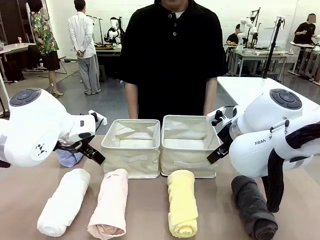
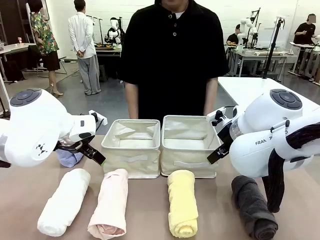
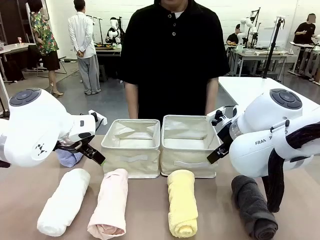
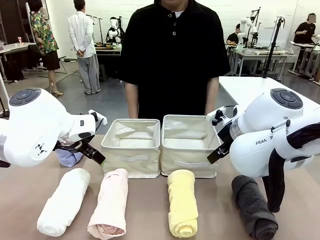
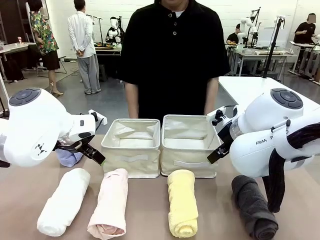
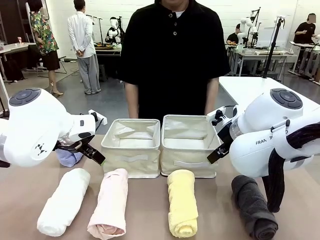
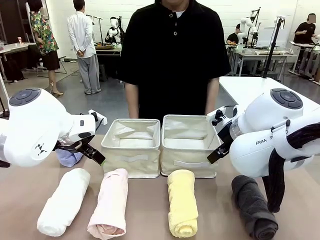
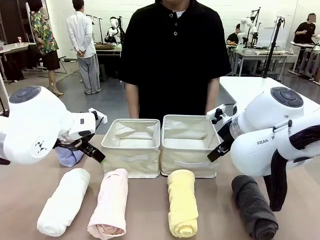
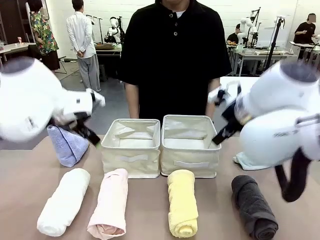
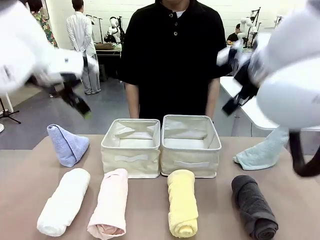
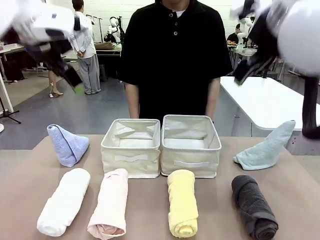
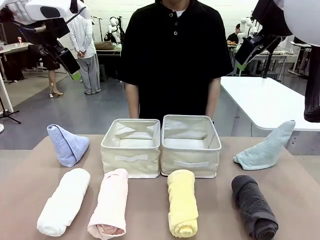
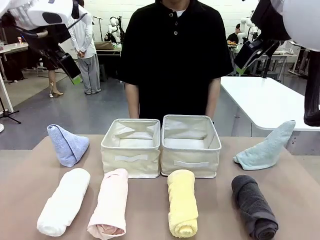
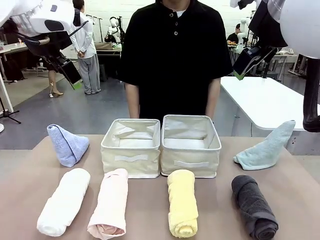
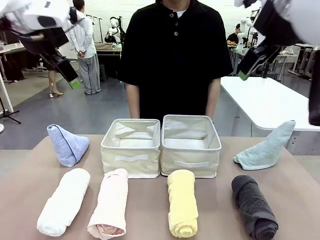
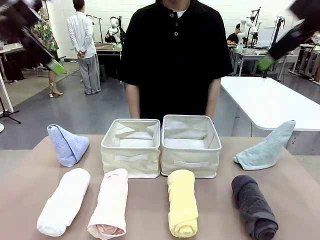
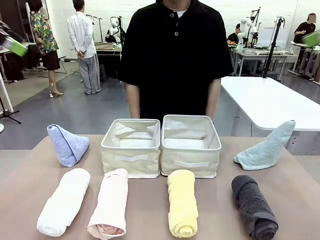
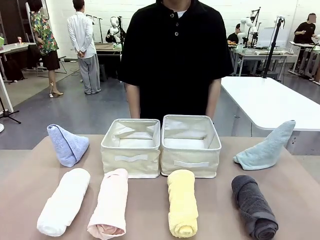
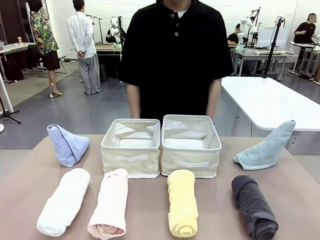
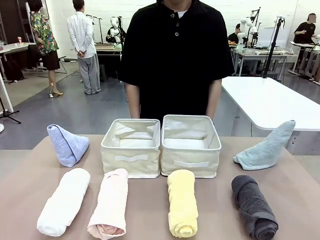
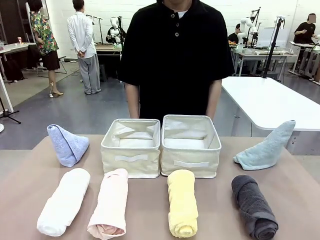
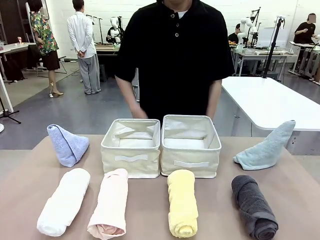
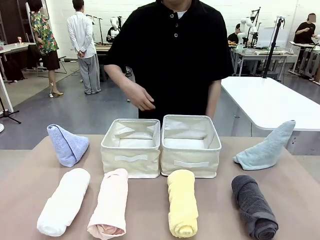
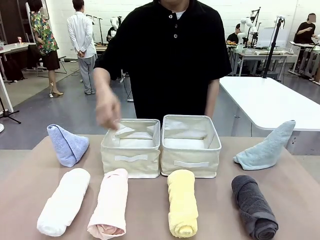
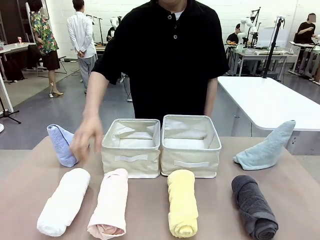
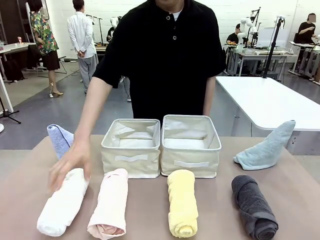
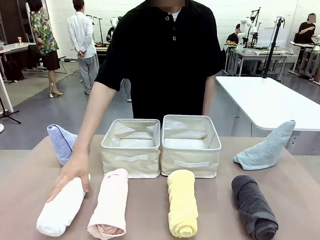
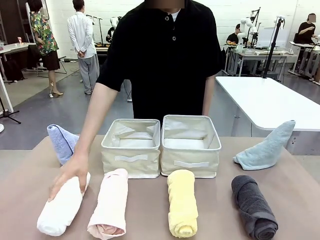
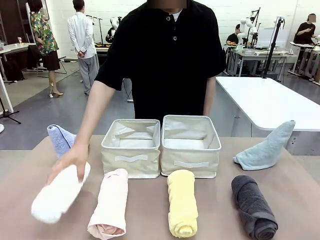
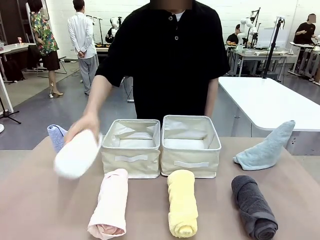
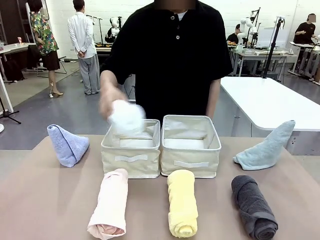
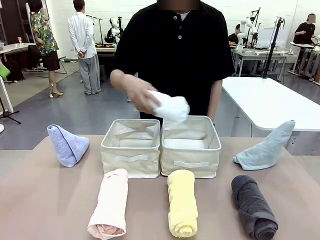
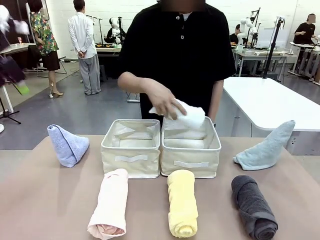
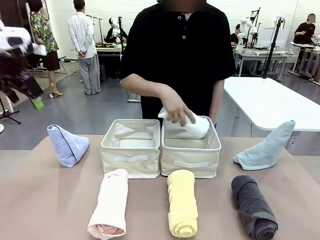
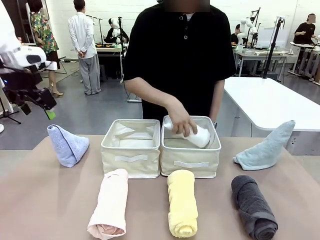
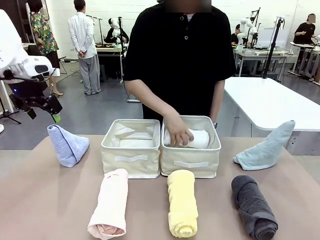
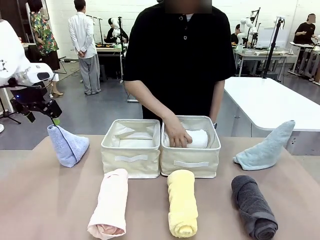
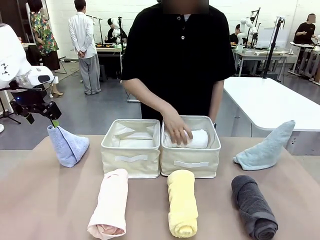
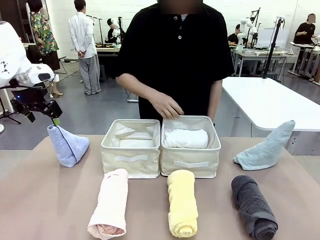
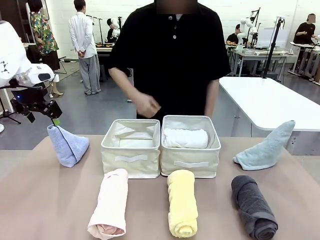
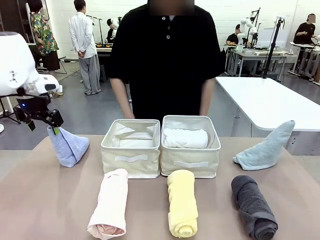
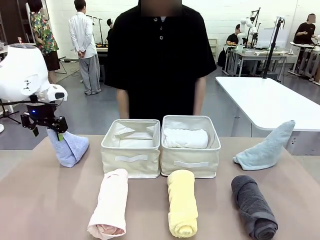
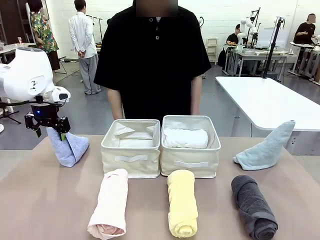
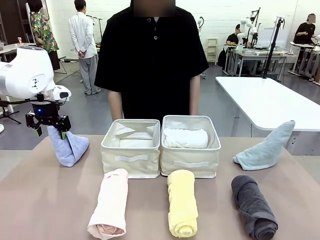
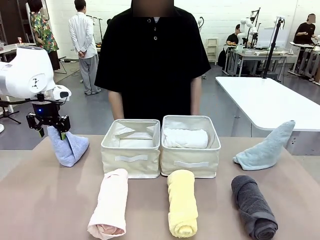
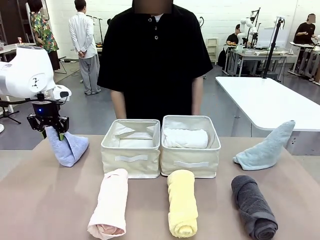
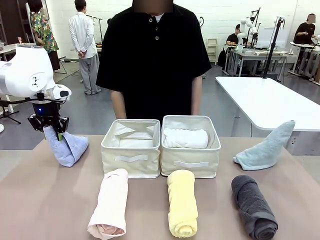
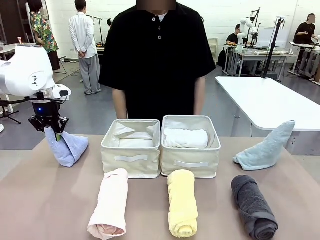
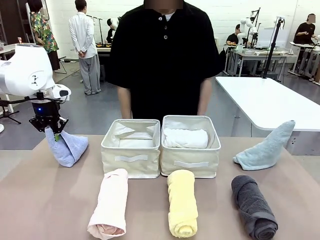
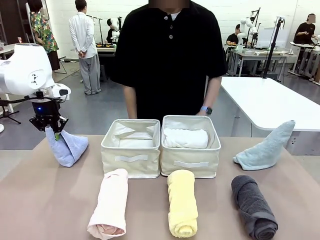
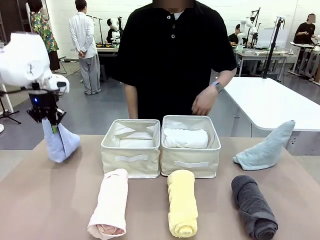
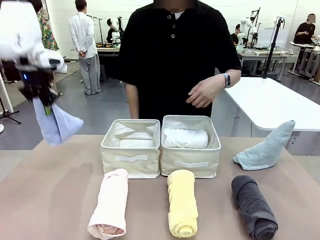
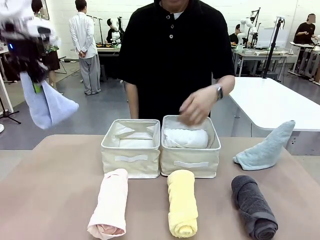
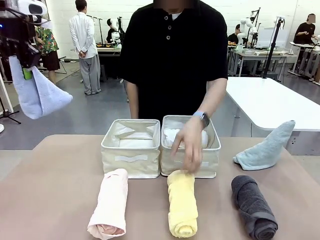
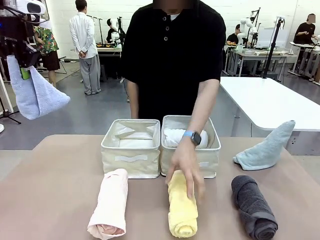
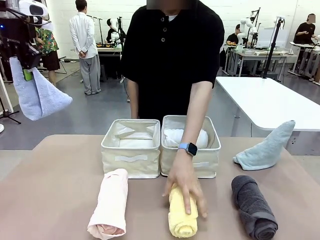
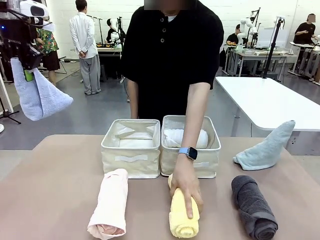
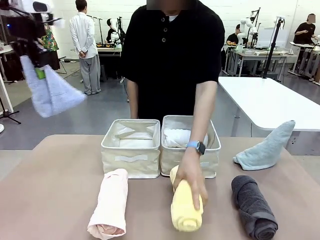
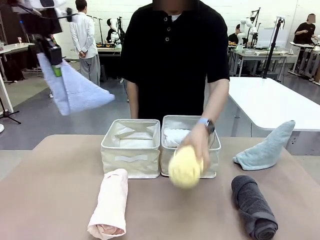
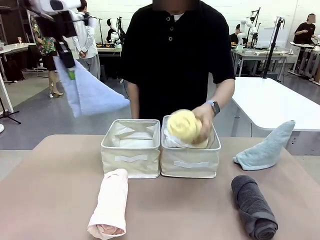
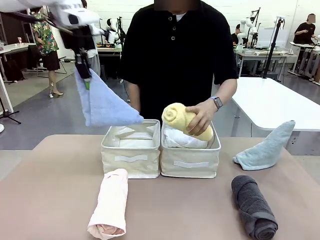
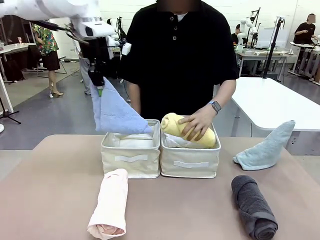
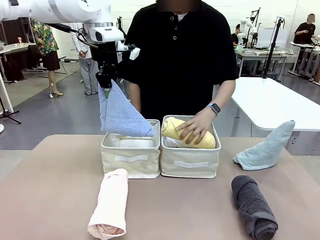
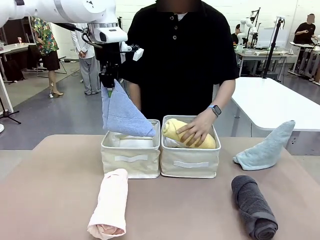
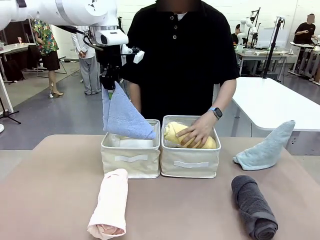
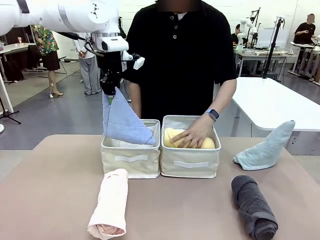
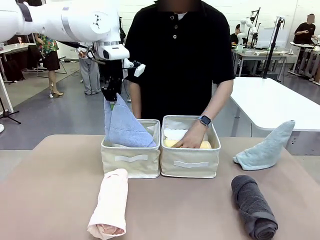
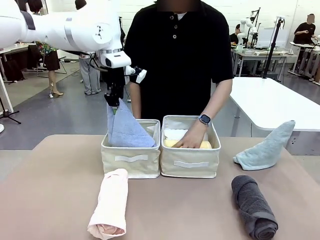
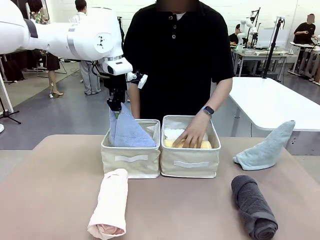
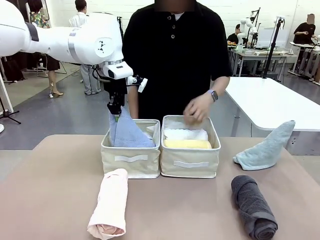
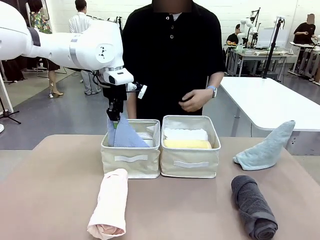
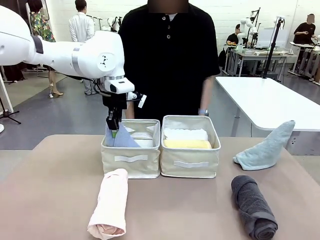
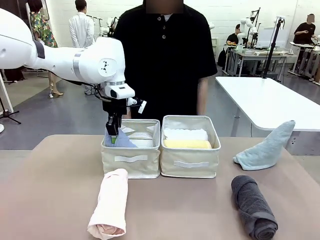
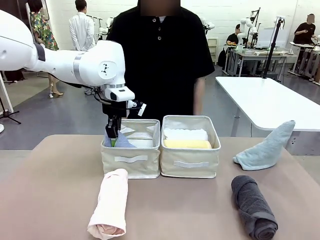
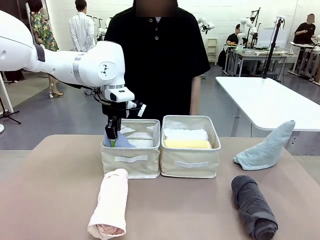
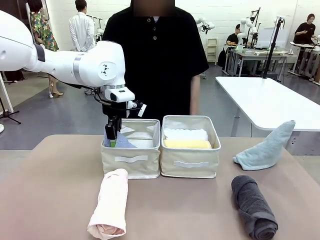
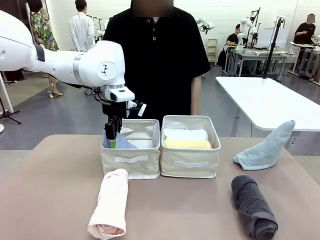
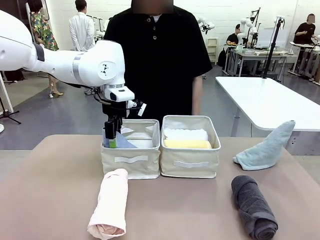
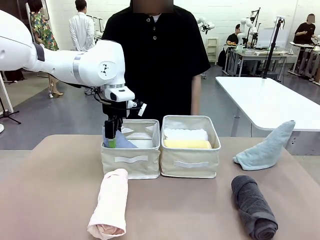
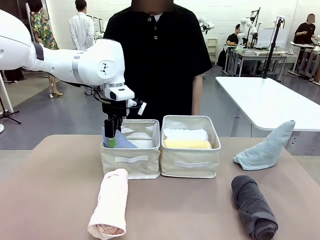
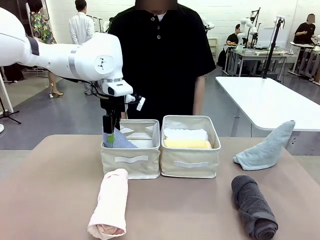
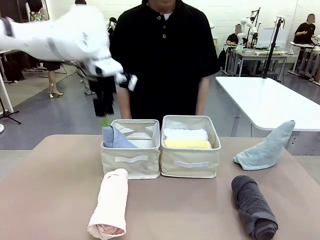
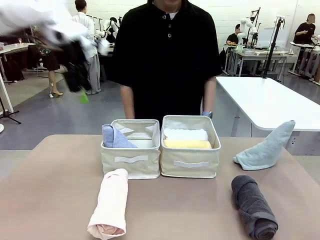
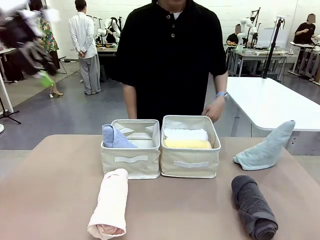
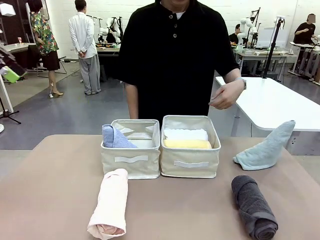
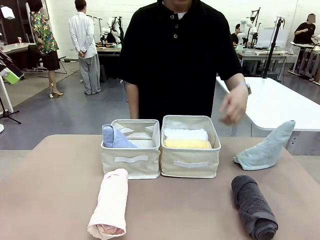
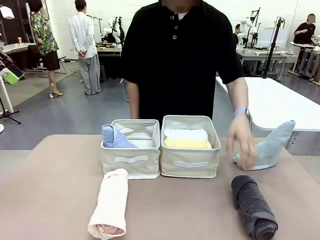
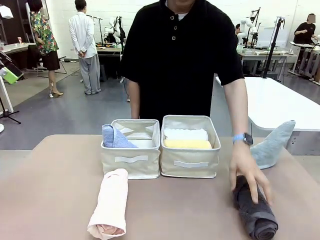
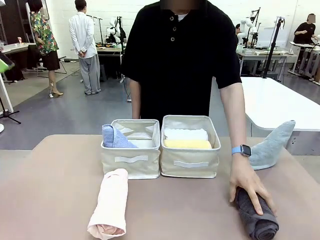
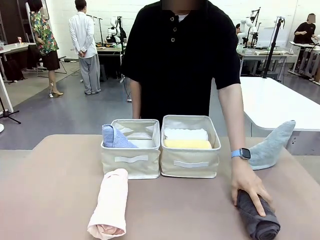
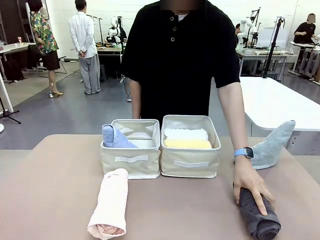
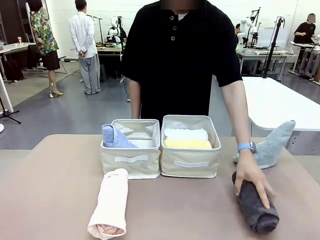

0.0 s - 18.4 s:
Task: Sort the towels based on their folding style.
Robot: Pick up one triangle-folded towel and place it in the left Fabric basket.
Person: Pick up one hotel-style rolled towel and place it in the left fabric basket.
